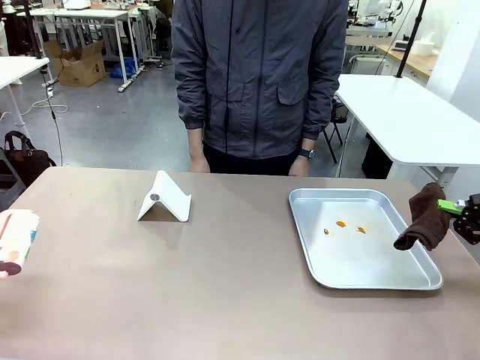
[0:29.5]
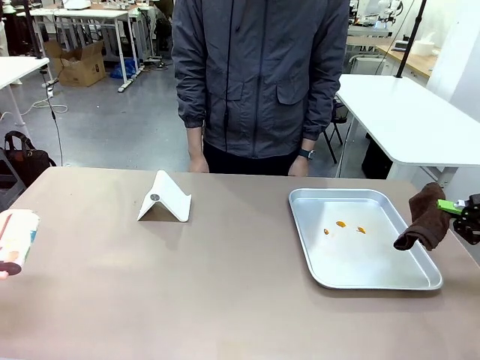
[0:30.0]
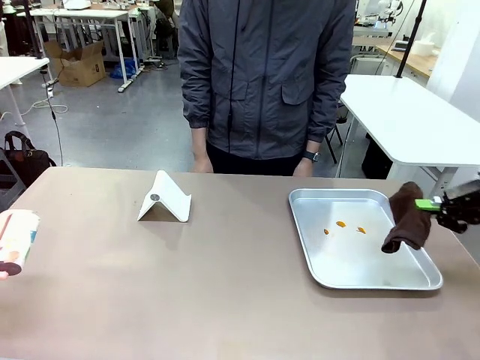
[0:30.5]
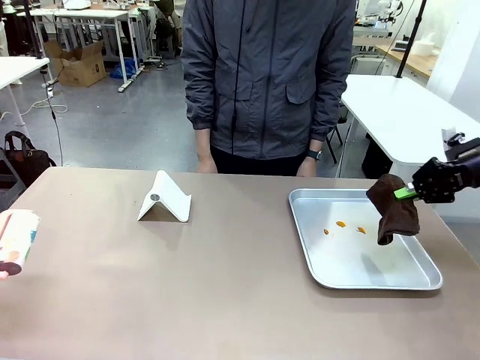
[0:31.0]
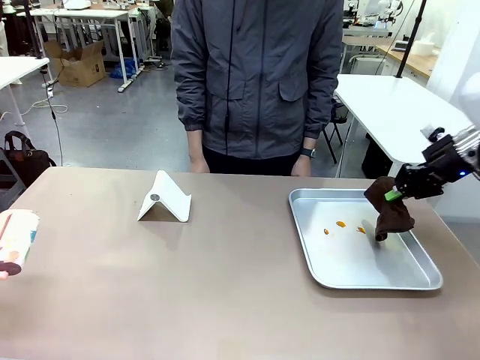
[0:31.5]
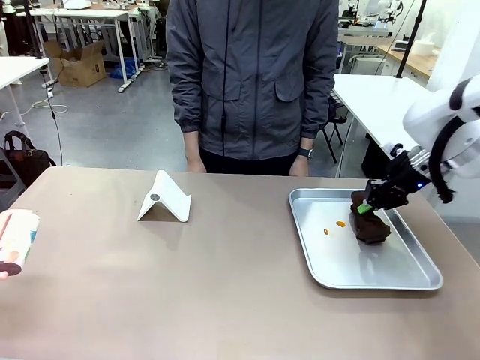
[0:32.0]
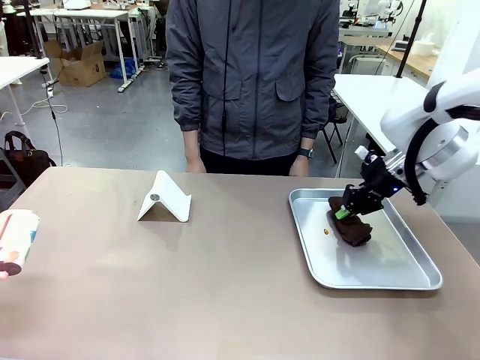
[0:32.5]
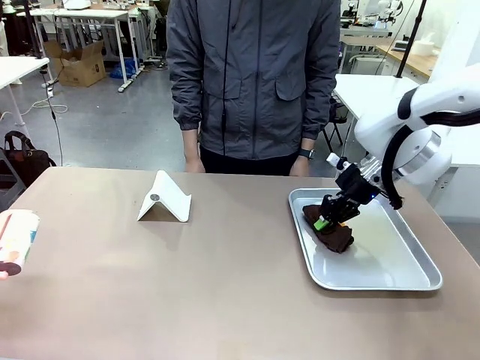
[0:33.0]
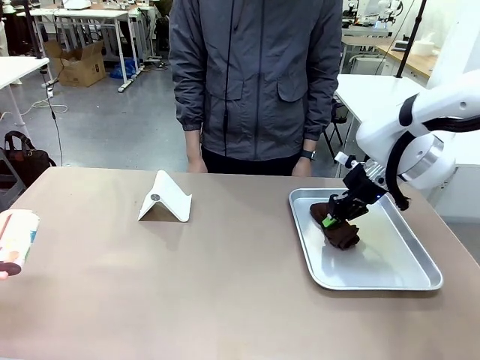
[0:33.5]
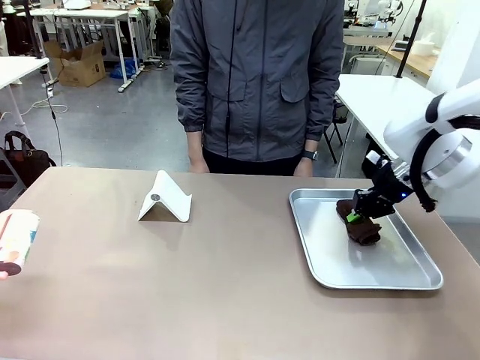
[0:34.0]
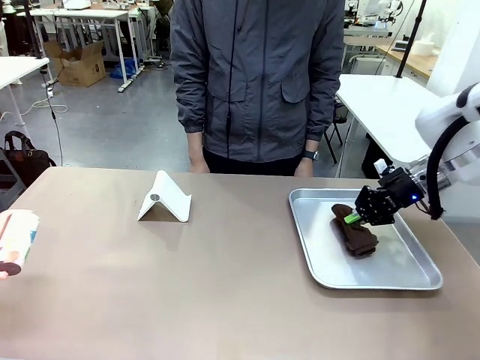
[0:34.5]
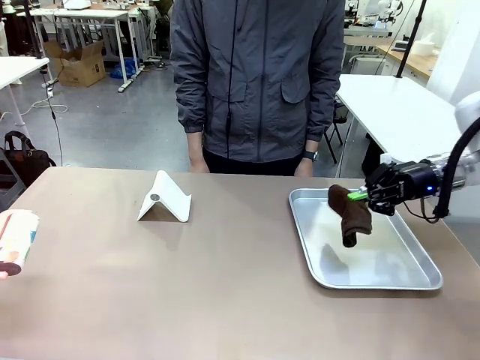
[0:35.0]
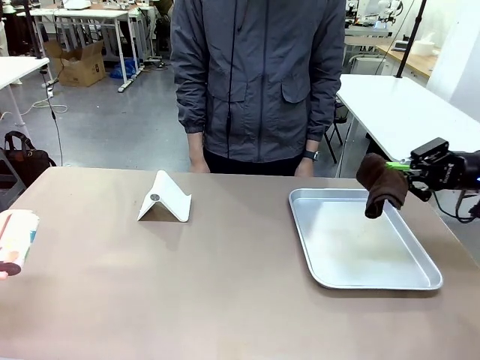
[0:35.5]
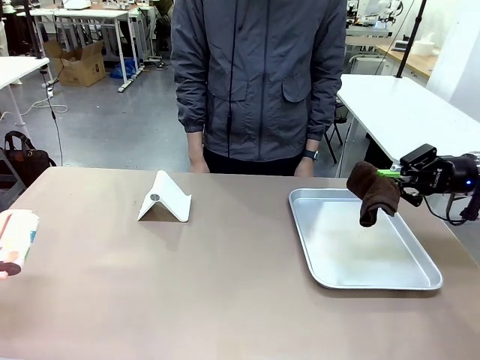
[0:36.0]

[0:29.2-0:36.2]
Task: Clean the surface of the table.
Robot: Clean the area not pointed to by the person.

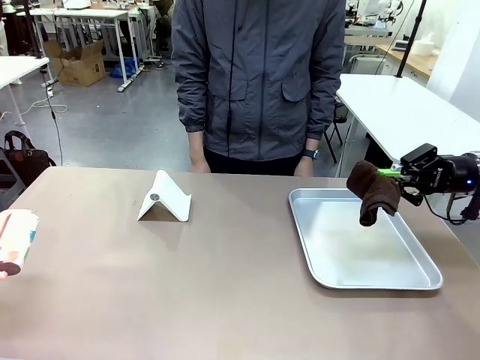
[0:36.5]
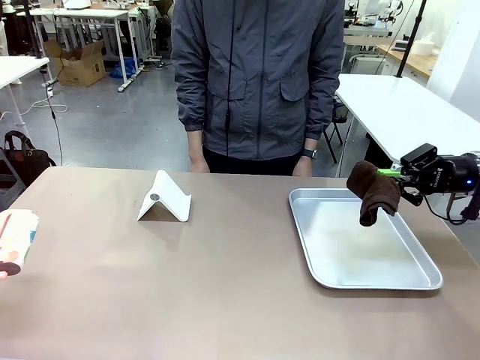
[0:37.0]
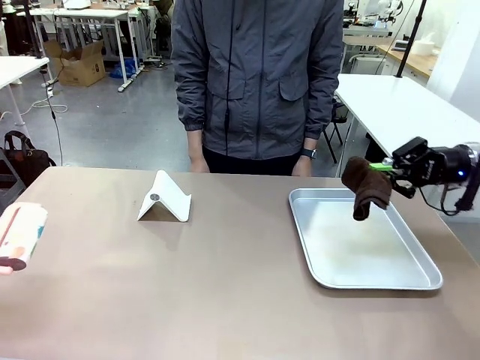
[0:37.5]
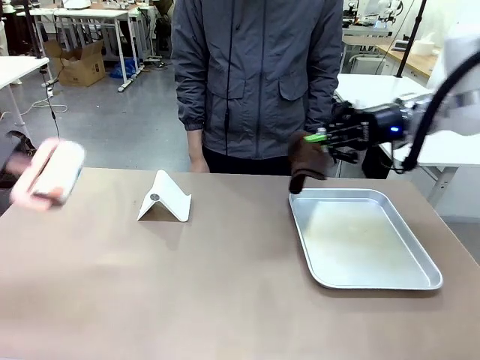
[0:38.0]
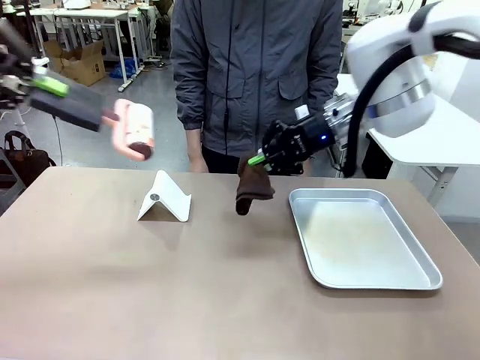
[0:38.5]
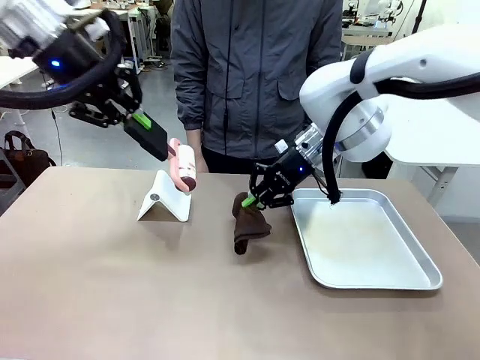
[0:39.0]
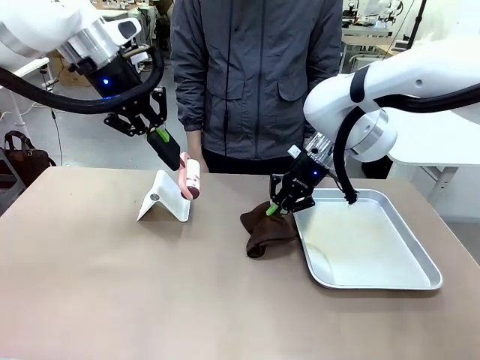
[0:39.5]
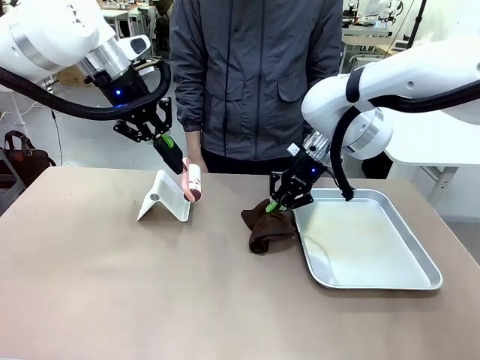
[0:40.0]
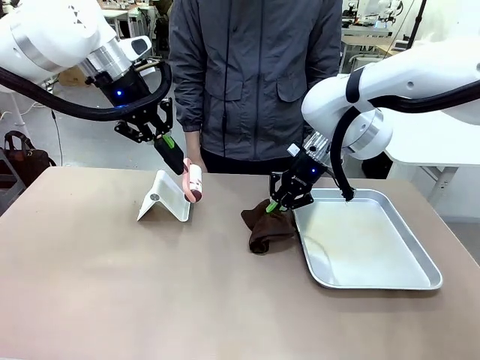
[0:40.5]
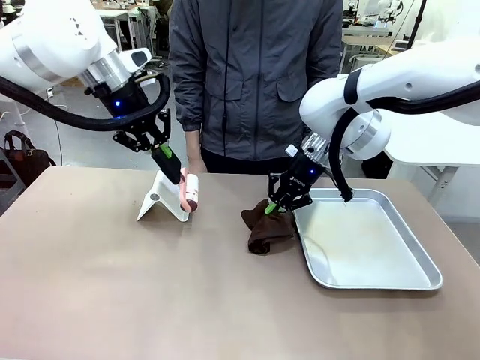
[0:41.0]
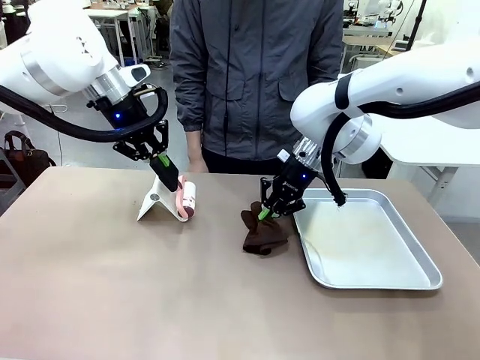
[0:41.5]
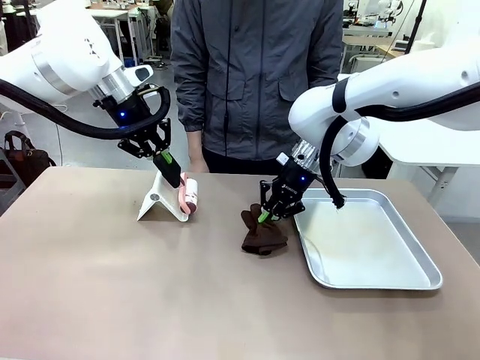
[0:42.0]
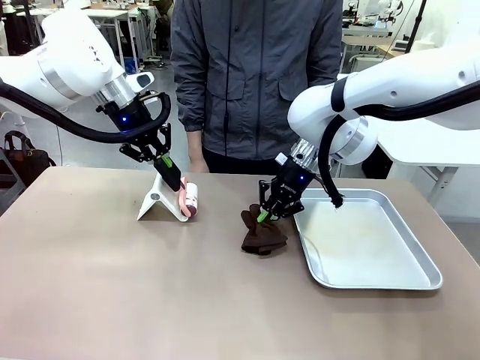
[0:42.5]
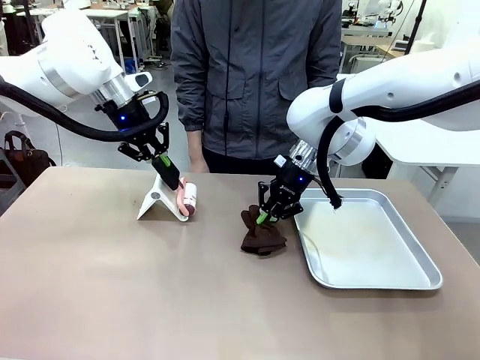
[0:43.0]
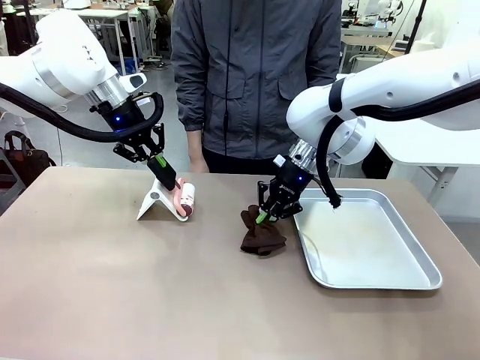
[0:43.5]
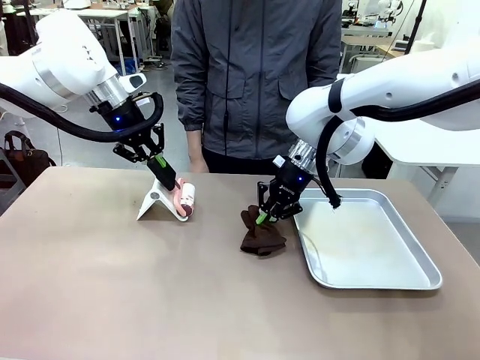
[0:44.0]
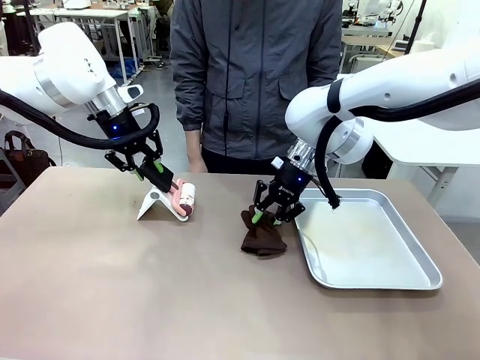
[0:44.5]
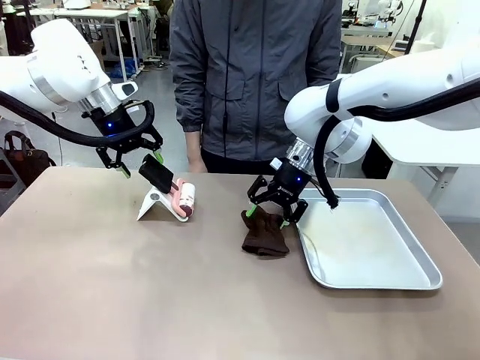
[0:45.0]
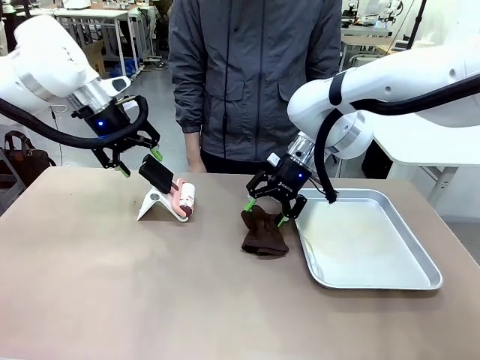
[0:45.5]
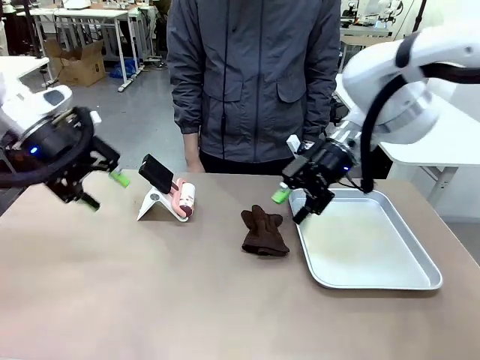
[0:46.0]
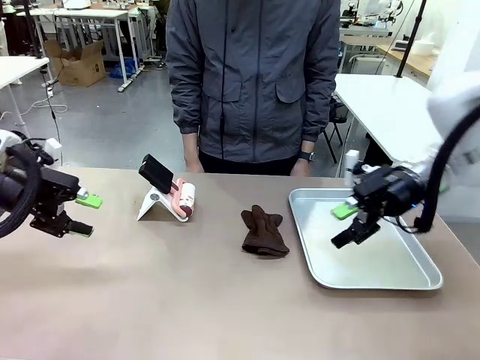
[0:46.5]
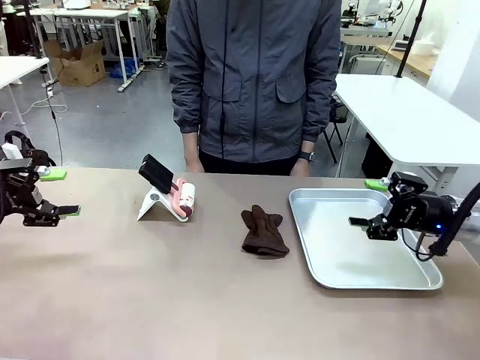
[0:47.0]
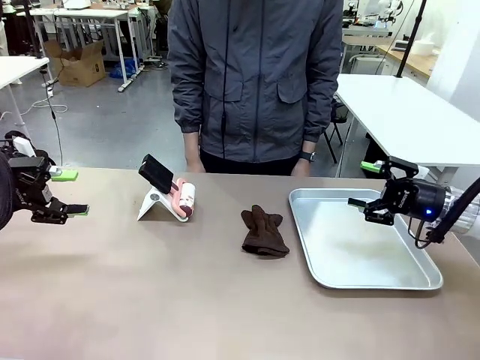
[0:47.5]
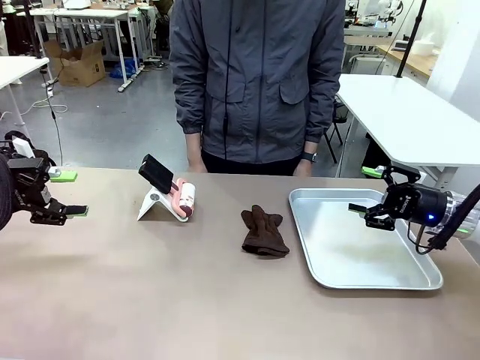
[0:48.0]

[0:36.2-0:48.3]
Robot: Return the Lint Roller and towel to their original positions.
